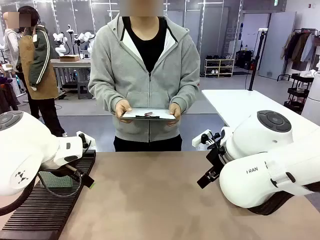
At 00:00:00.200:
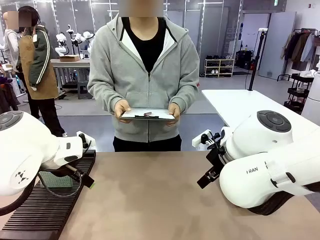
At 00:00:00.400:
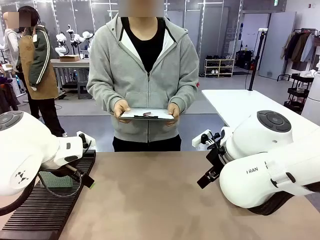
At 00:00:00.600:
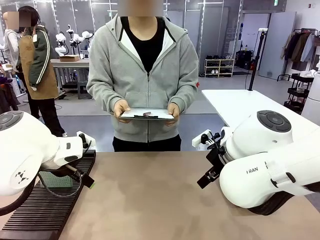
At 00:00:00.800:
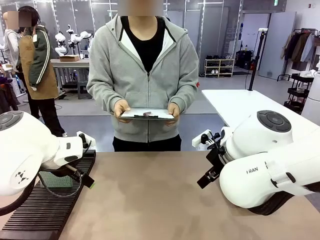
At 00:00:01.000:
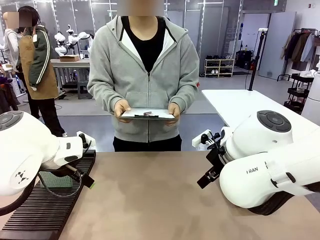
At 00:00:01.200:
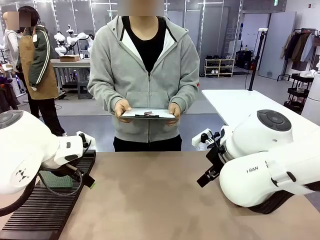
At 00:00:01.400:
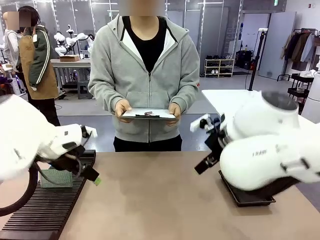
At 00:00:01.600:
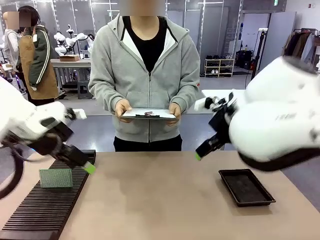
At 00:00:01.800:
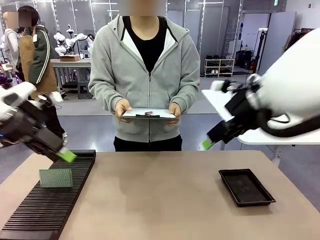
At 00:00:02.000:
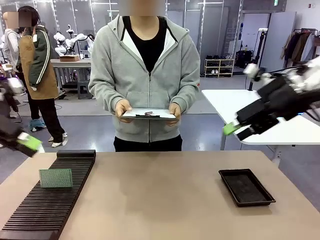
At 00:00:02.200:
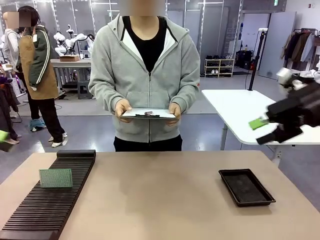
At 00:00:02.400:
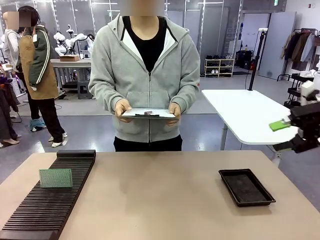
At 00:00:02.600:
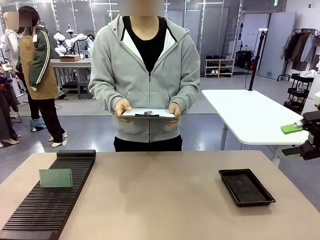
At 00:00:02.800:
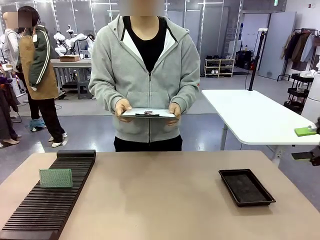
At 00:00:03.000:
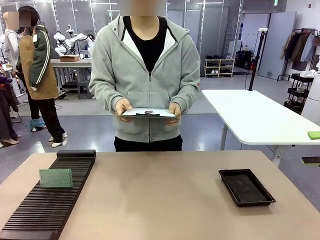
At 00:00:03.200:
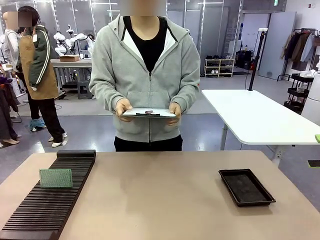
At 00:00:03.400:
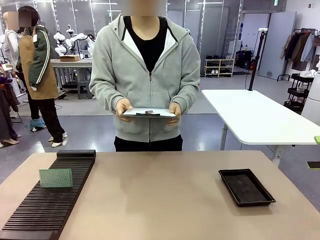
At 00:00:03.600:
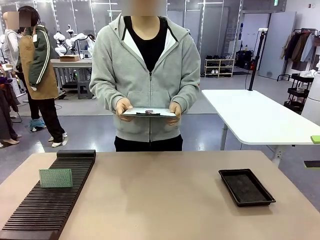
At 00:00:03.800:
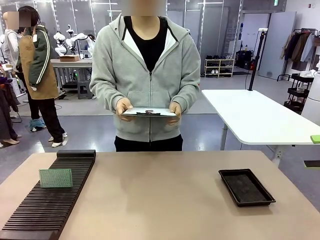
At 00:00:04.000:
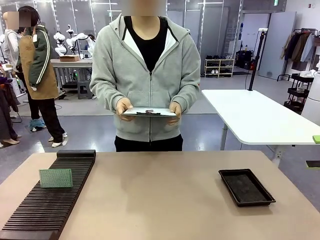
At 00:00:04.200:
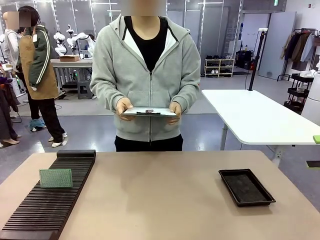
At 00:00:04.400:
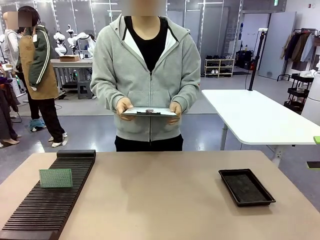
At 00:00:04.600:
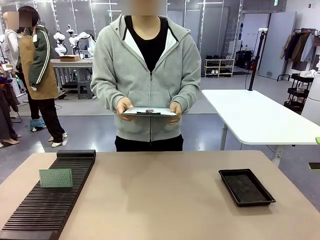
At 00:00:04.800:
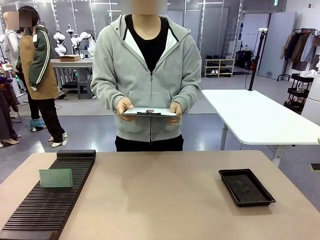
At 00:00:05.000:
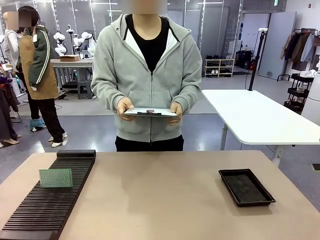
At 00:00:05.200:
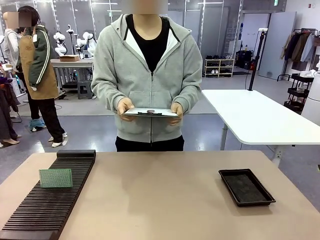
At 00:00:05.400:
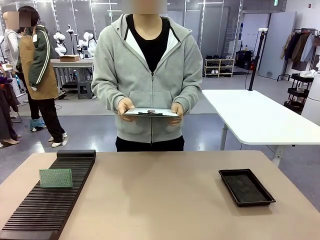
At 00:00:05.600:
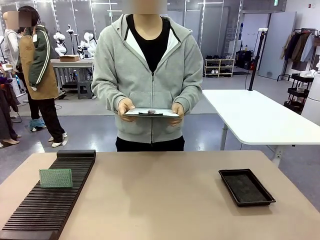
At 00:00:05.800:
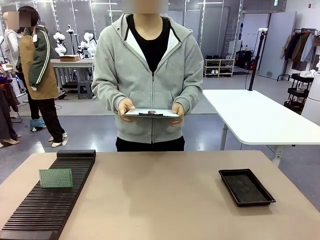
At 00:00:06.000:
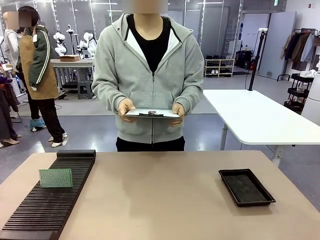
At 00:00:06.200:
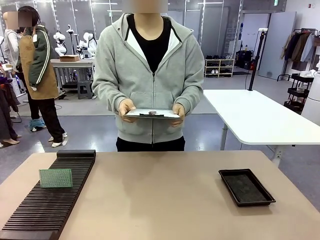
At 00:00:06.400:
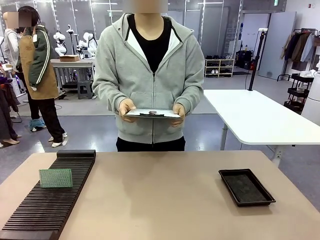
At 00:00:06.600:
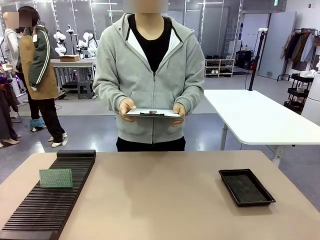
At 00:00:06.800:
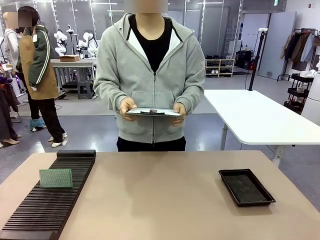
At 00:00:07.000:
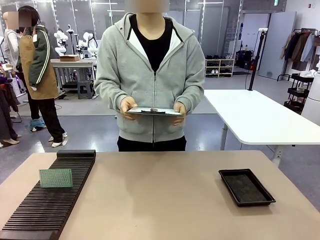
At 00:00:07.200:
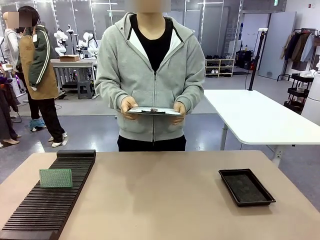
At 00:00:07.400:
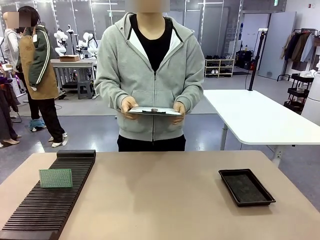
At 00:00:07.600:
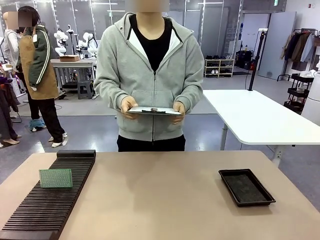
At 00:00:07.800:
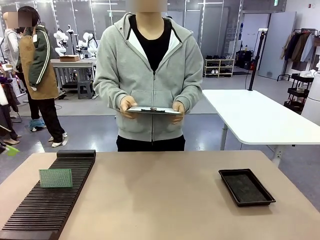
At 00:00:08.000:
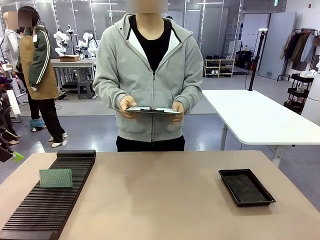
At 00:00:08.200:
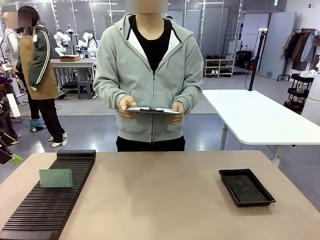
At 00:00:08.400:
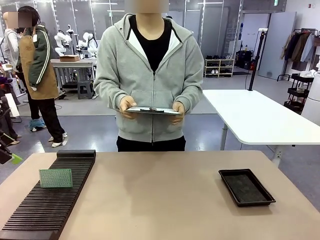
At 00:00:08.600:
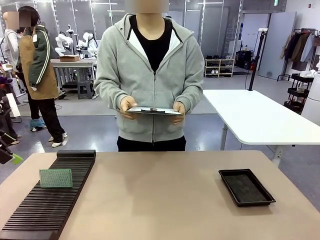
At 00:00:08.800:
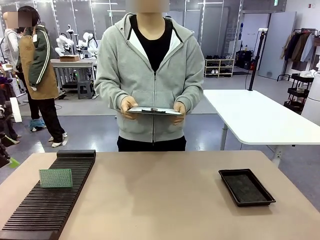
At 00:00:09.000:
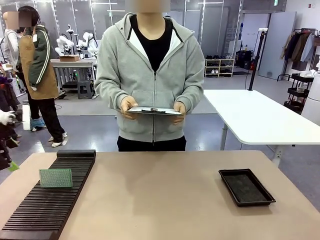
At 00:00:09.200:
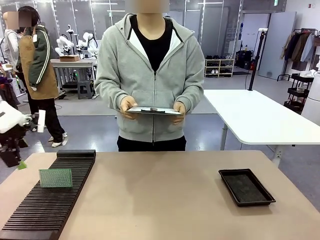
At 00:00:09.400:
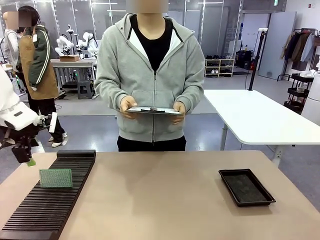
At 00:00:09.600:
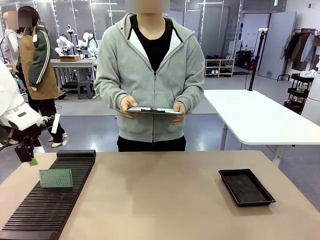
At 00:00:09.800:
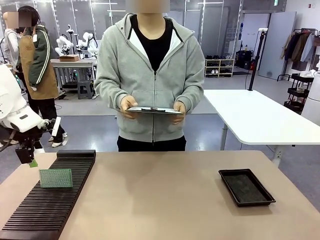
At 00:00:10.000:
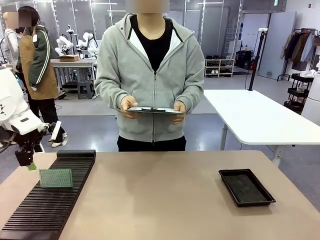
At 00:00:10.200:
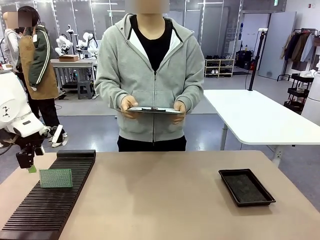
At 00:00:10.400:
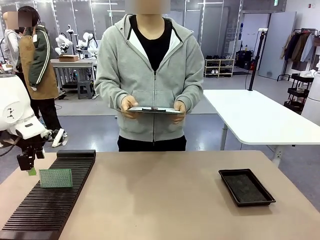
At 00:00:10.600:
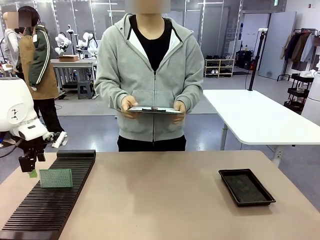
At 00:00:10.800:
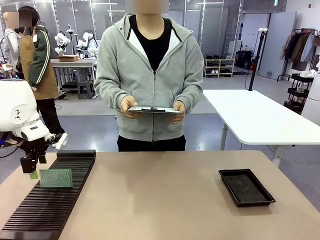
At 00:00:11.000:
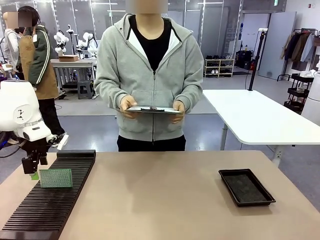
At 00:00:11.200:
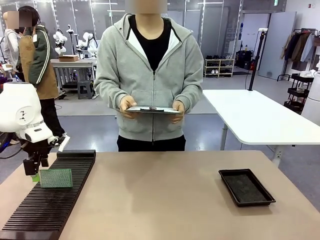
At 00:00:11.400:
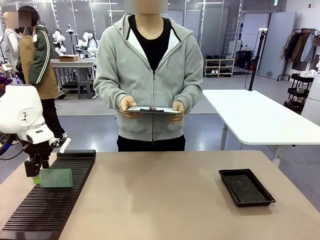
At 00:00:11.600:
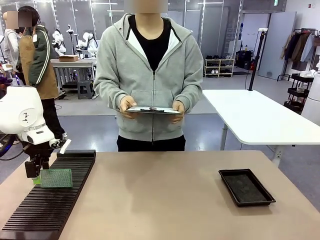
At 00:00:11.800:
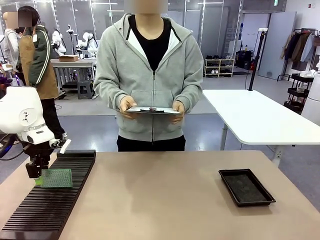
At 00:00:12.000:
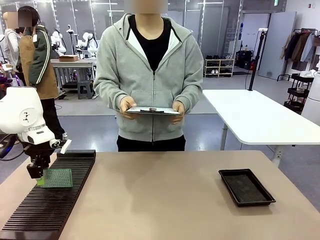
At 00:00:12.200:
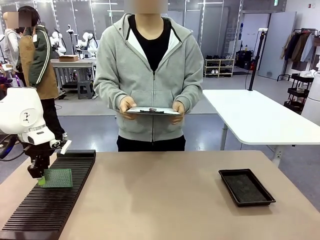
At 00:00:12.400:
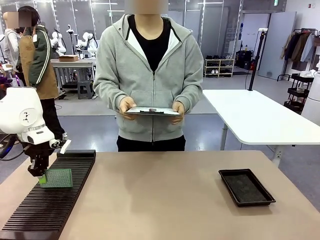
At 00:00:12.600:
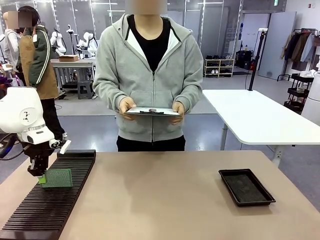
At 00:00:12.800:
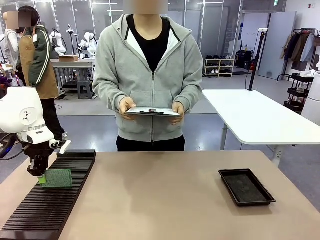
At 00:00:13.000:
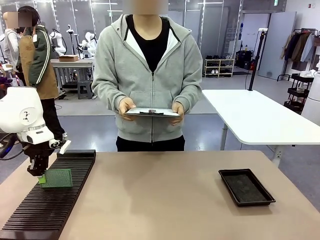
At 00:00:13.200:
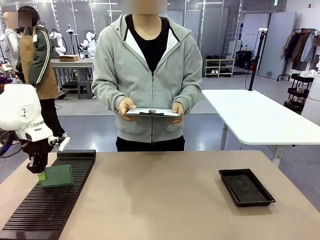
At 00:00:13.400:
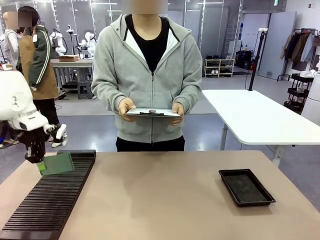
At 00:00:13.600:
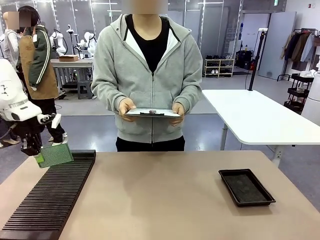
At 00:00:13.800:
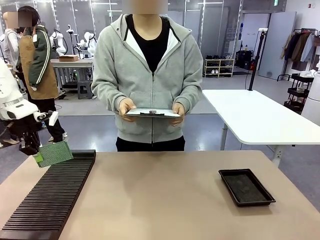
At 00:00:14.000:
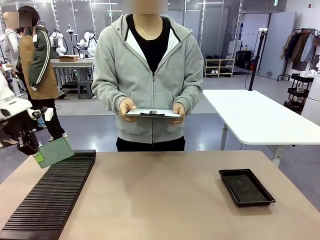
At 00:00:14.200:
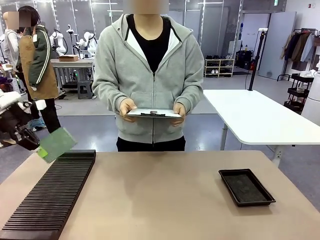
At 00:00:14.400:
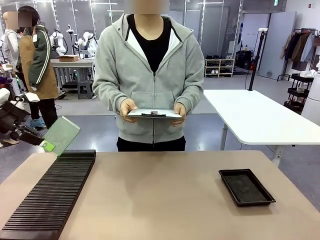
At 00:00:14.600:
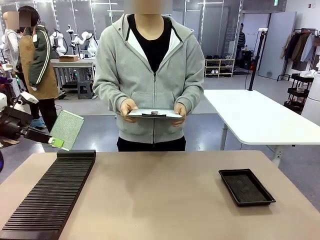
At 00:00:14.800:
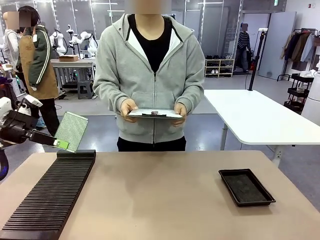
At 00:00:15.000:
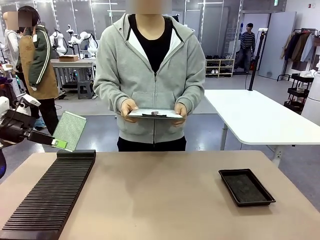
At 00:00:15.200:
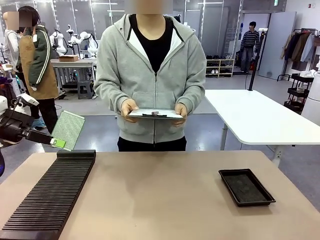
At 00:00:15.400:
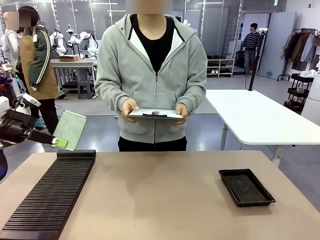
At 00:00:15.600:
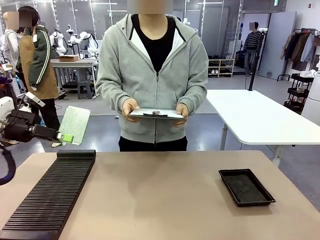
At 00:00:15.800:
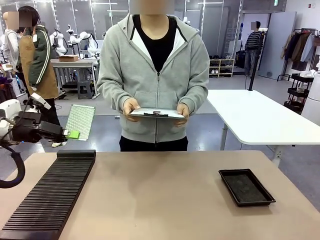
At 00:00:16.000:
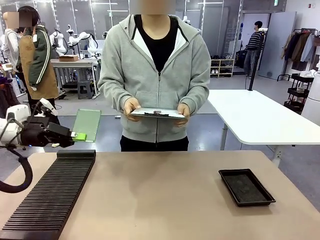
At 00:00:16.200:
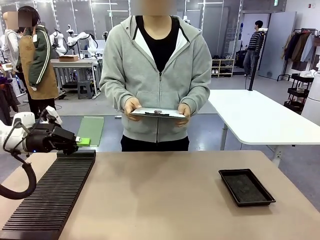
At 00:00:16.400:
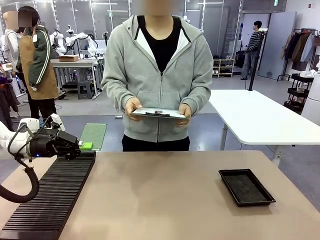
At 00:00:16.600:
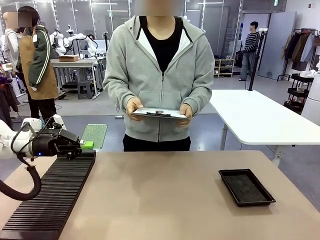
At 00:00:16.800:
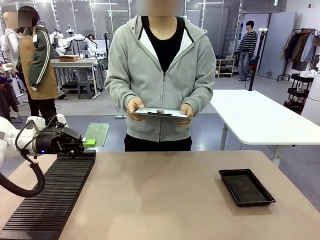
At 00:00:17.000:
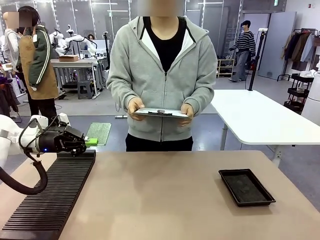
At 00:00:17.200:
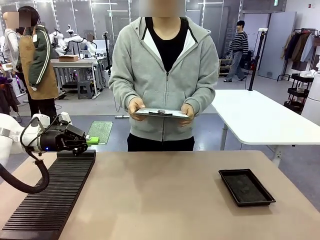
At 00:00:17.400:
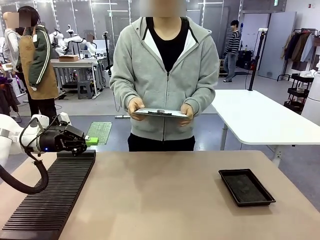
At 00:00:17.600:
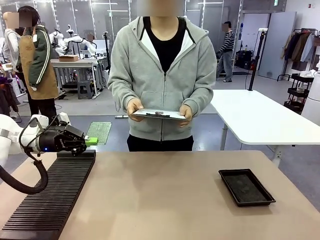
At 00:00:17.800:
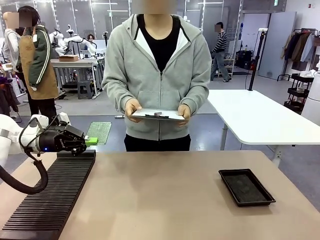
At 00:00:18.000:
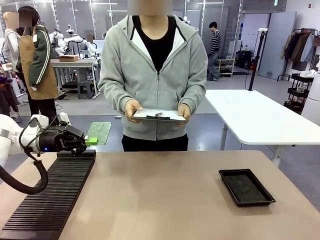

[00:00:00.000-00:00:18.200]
Task: Inspect the PCB.
Robot: Pick up the Blank PCB and present it to the human.
Person: Pick up the PCB presented by the robot.

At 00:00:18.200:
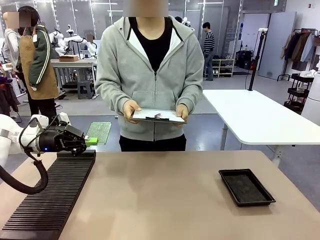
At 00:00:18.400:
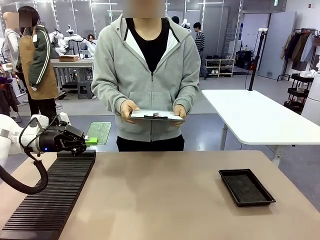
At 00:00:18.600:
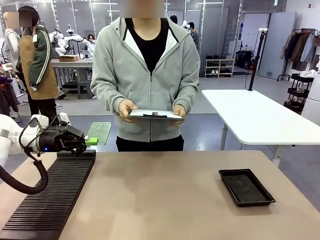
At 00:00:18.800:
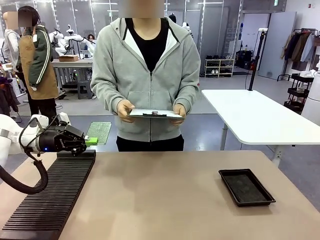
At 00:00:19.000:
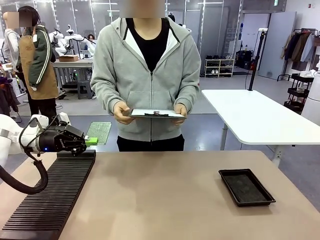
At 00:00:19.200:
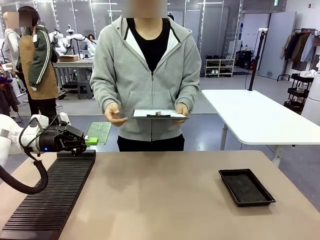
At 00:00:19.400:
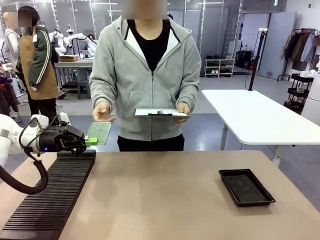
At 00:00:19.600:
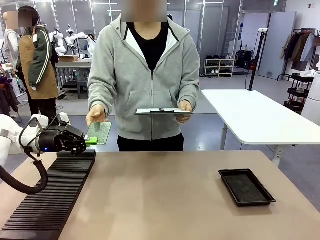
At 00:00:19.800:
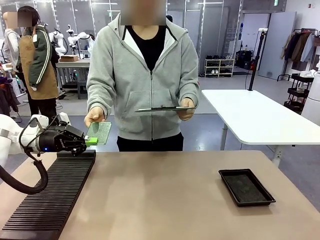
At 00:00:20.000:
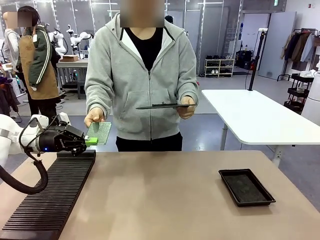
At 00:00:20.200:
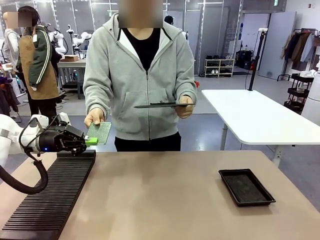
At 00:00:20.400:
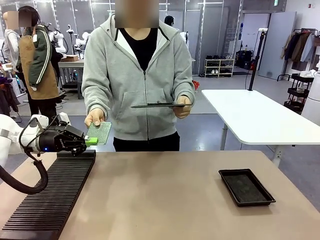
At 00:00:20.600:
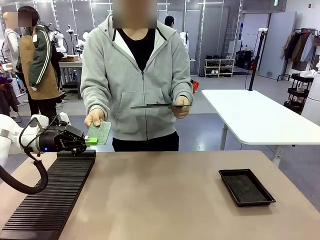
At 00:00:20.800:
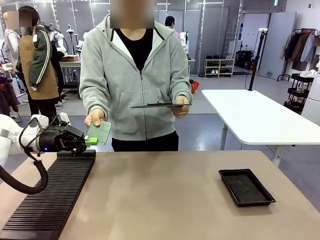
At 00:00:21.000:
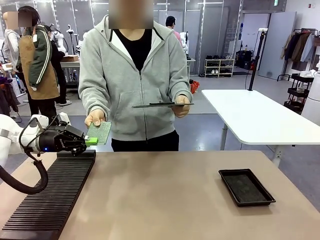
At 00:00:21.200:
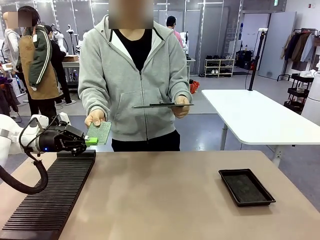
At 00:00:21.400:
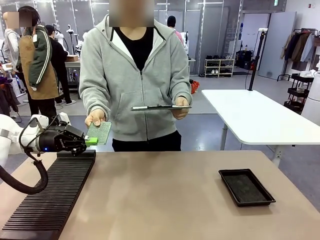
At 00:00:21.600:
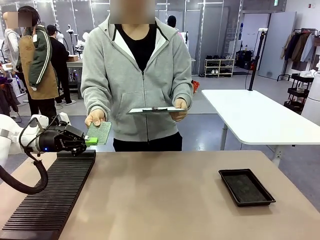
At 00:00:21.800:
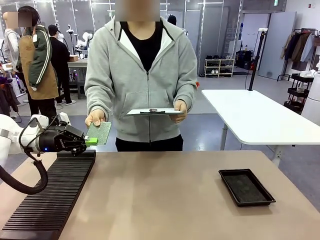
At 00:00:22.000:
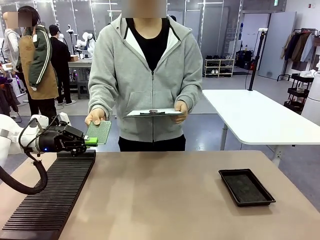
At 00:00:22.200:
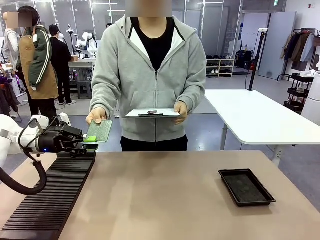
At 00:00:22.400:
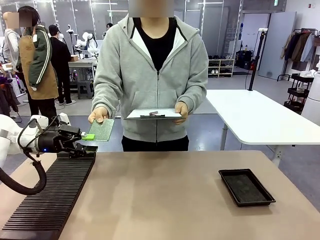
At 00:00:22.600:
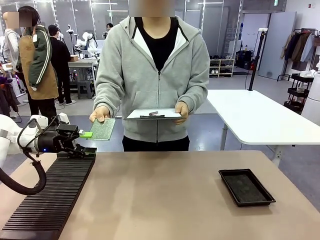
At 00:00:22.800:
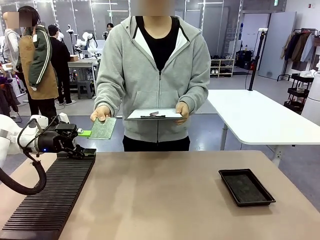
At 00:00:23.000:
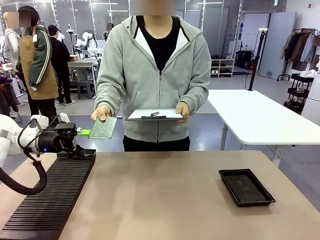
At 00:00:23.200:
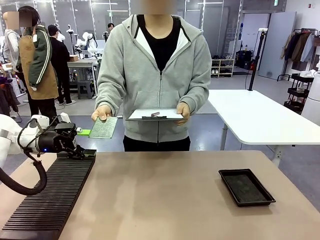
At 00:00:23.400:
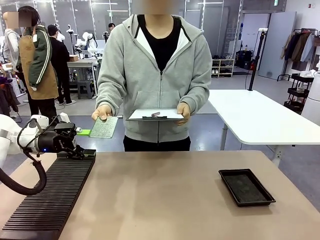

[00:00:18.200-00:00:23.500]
Robot: Release the Blank PCB you were holding.
